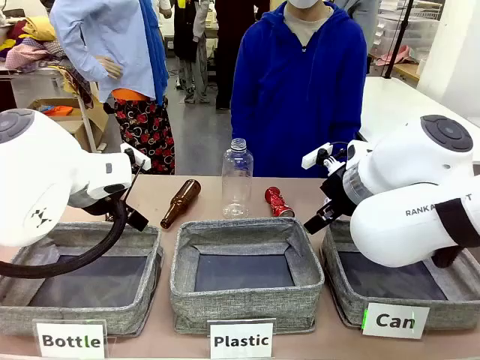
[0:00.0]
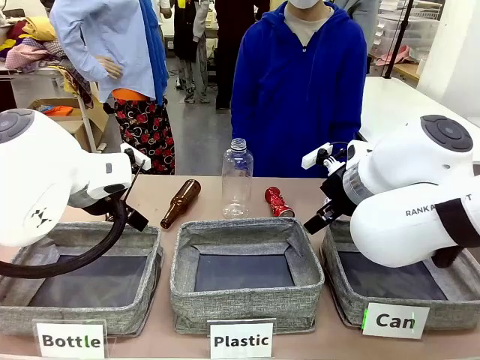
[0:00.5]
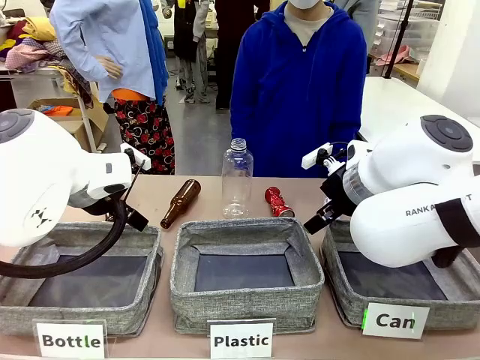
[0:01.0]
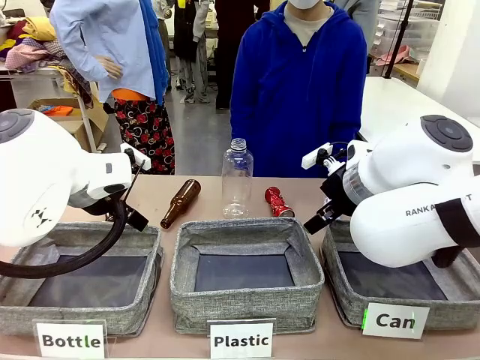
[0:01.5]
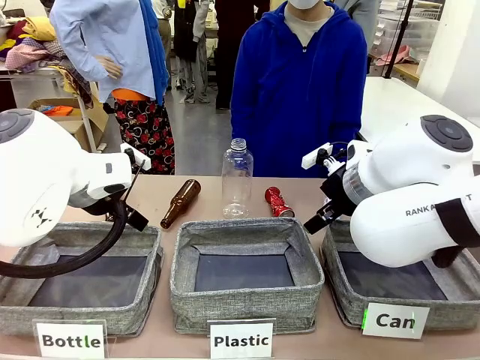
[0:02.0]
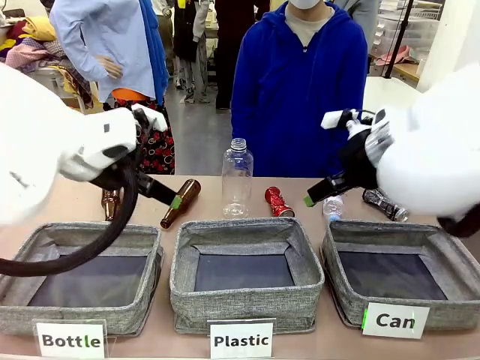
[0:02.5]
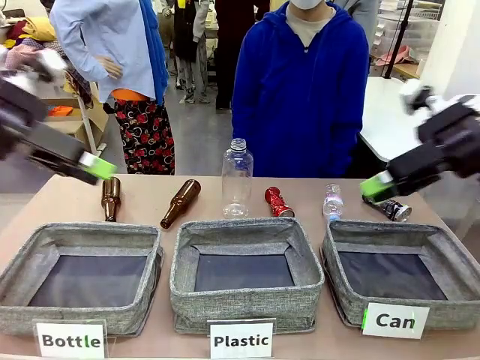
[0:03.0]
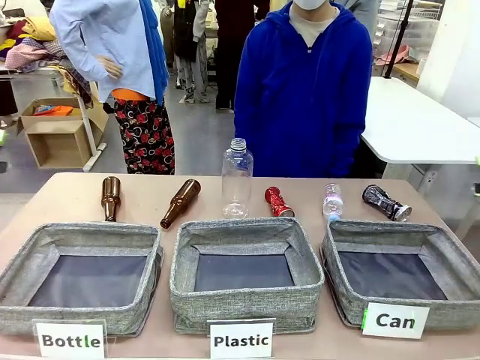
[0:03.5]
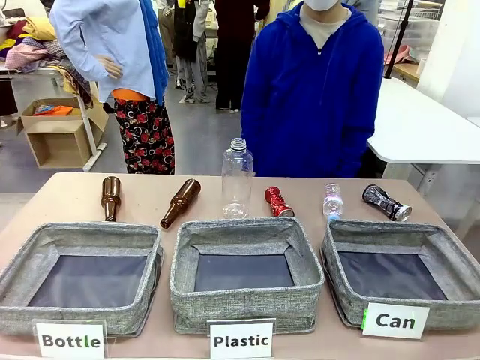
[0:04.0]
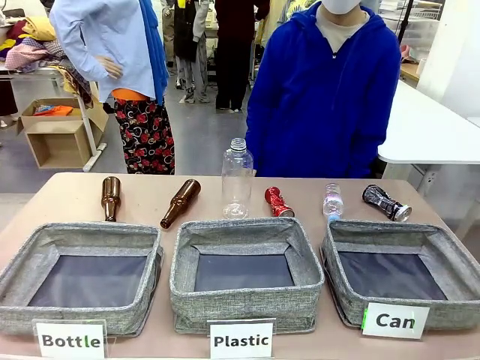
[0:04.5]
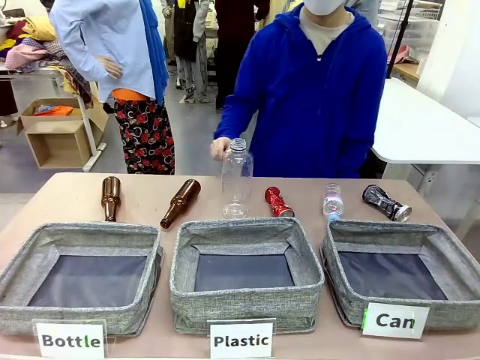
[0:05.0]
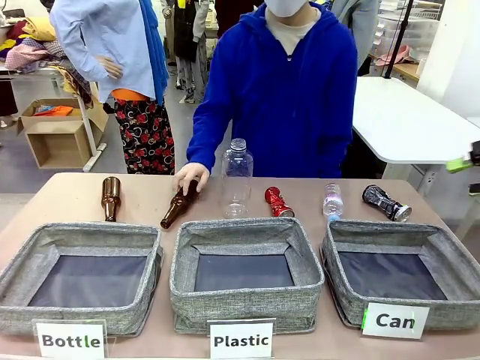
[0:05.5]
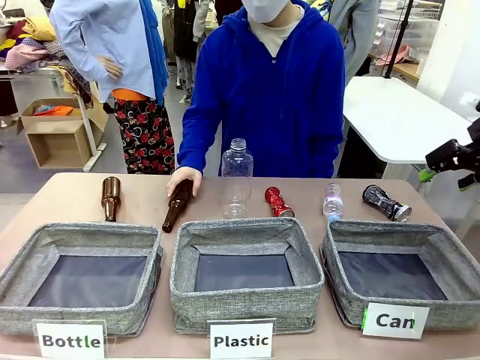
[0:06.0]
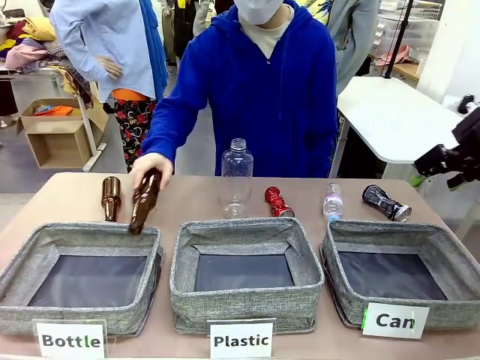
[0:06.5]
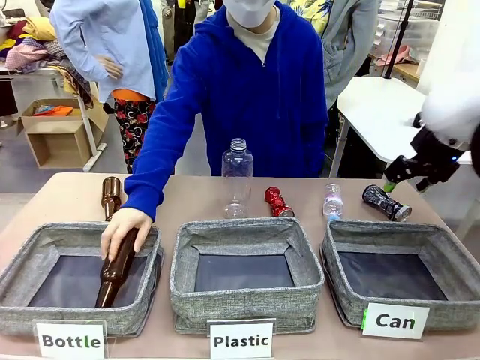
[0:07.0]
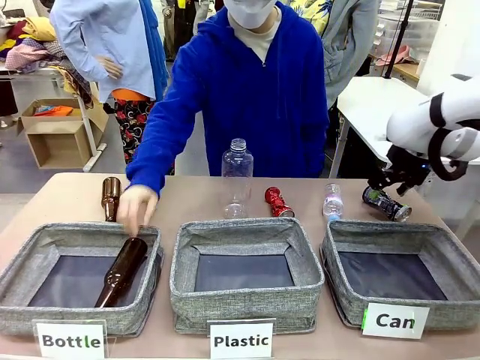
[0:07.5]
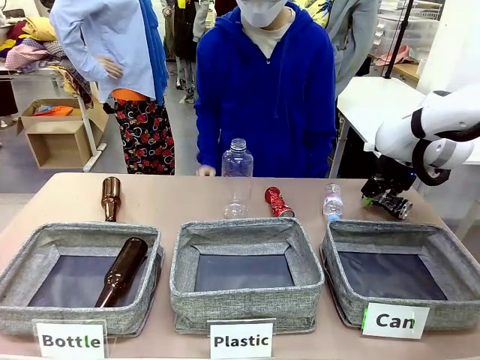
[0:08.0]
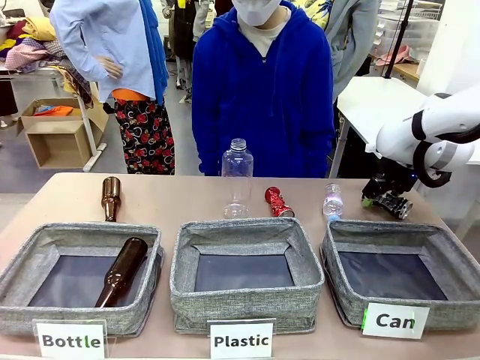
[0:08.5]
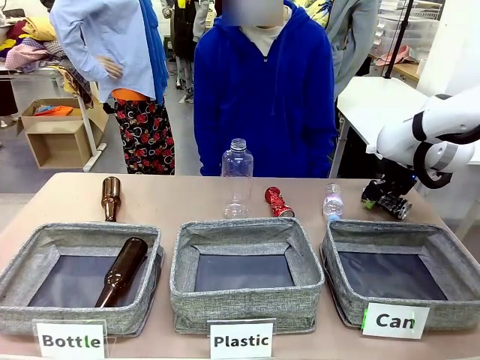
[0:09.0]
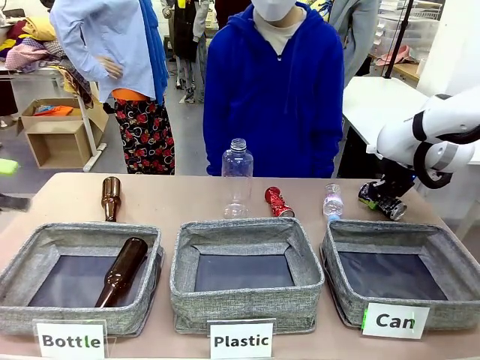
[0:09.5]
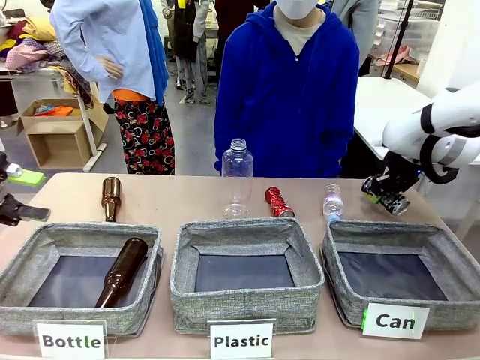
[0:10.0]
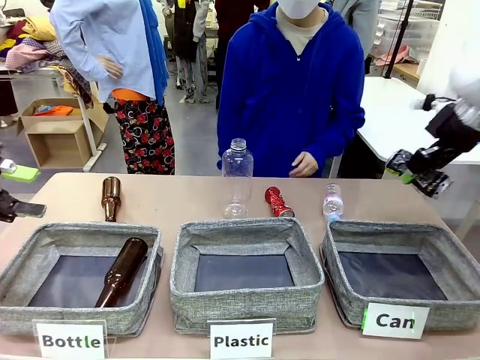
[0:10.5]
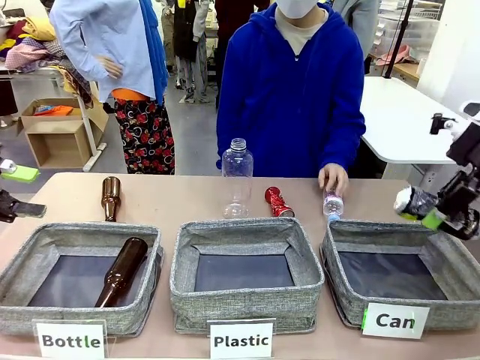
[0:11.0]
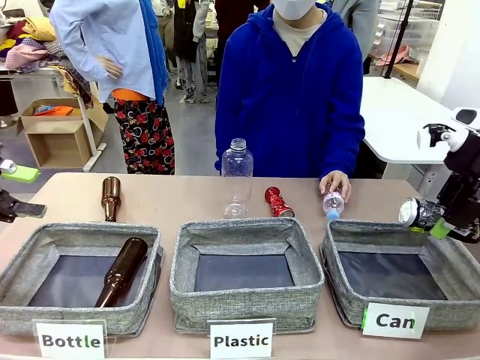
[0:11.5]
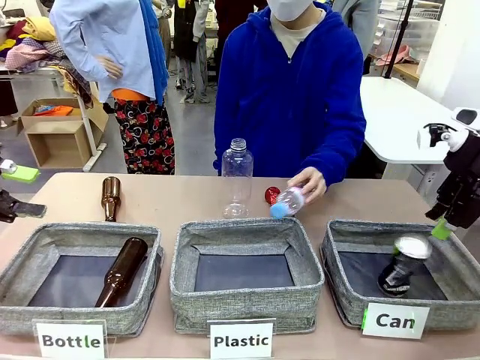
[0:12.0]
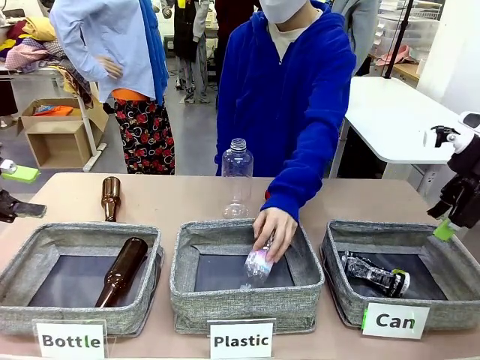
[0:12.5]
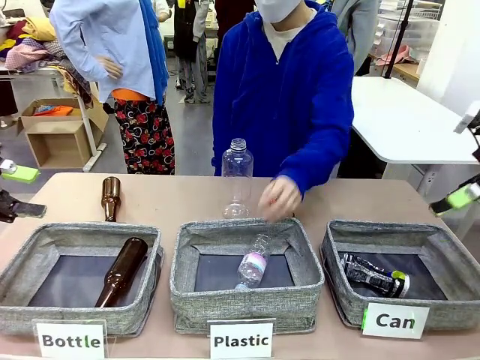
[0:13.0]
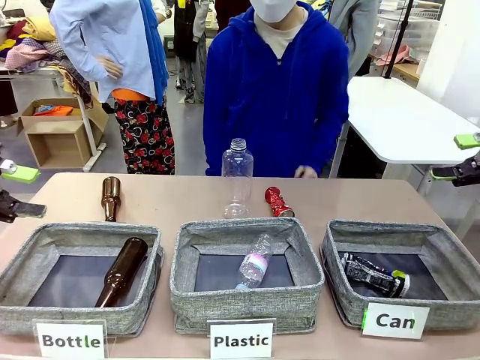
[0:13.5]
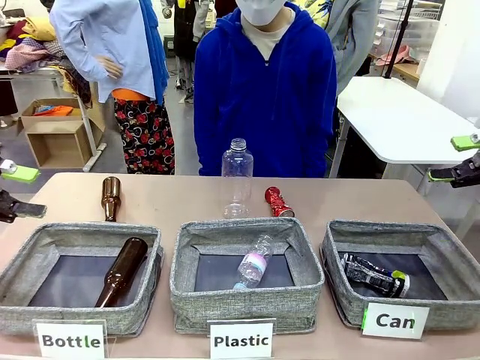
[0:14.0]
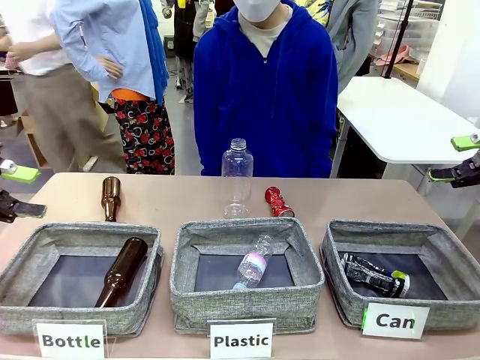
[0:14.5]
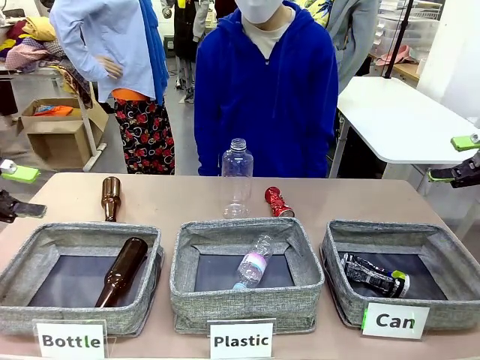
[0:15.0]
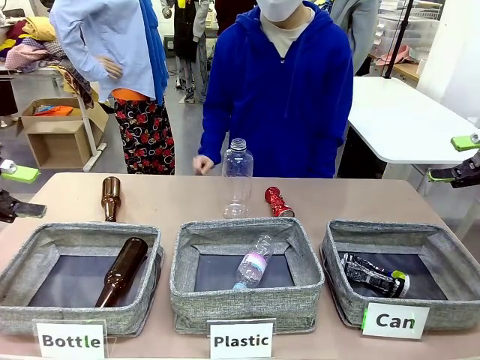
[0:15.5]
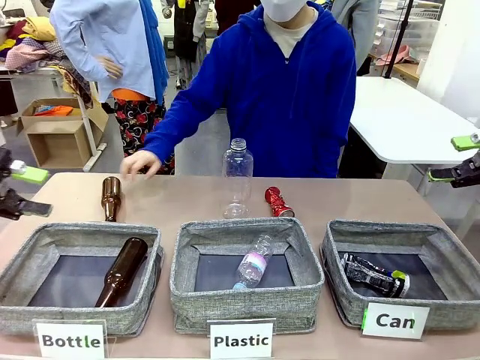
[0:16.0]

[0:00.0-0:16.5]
Task: Sort the can waste into the basket.
Robot: Pick up the can waste from the table and place it in the right Fabric basket.
